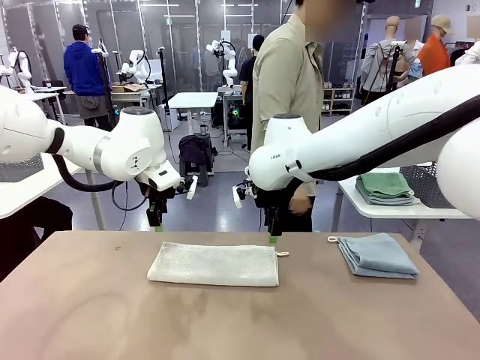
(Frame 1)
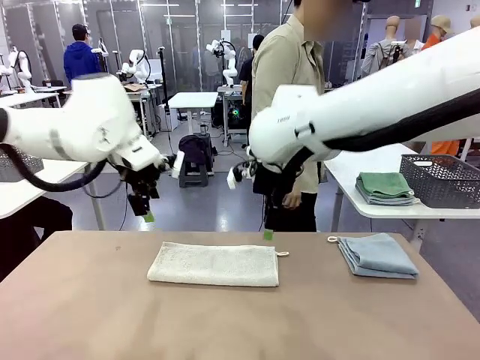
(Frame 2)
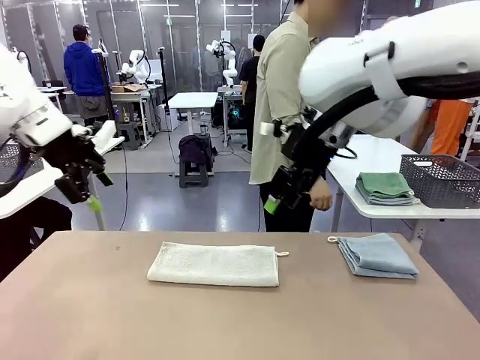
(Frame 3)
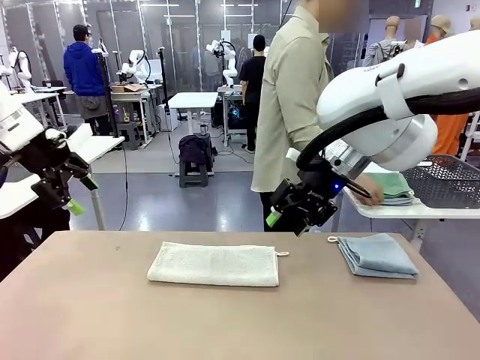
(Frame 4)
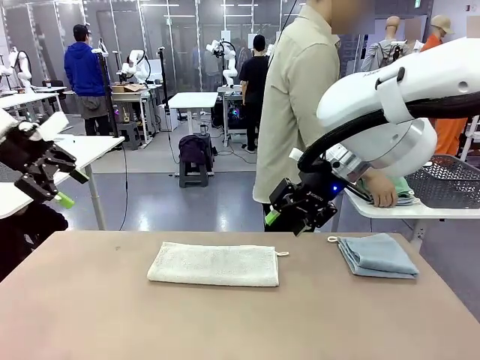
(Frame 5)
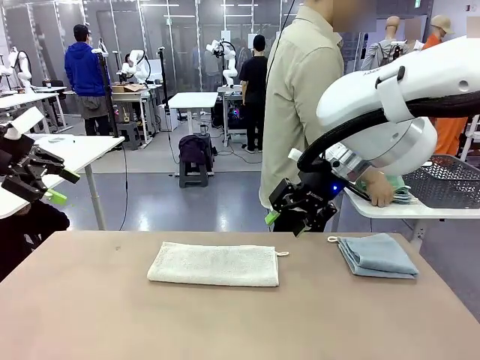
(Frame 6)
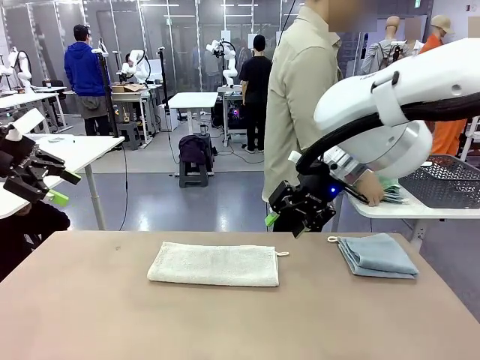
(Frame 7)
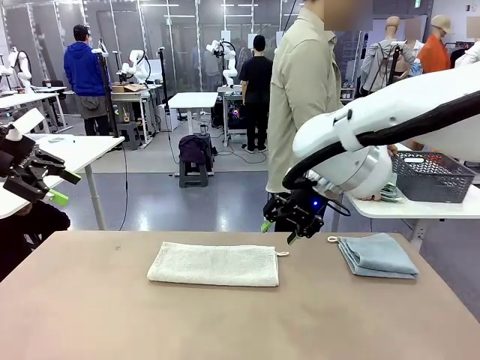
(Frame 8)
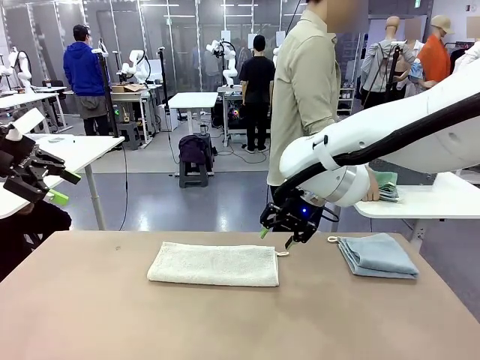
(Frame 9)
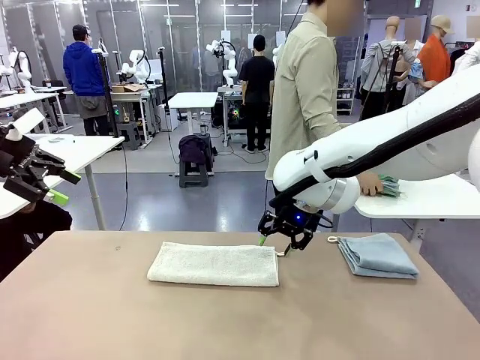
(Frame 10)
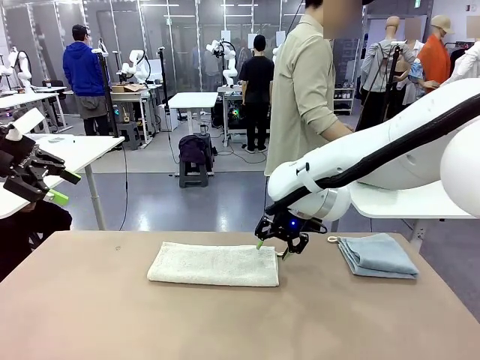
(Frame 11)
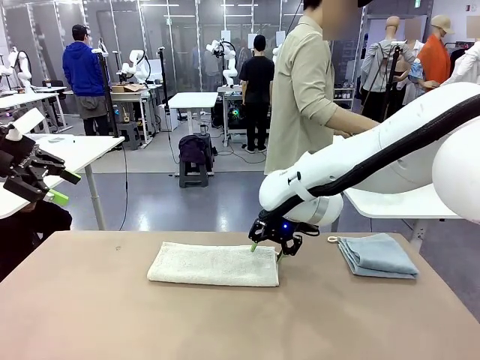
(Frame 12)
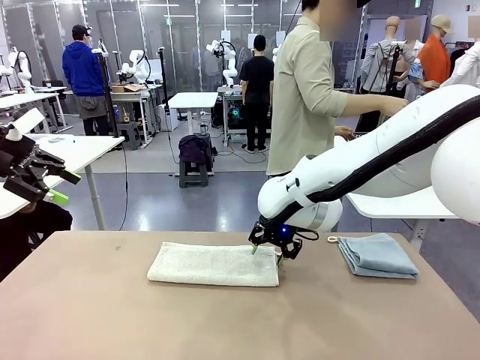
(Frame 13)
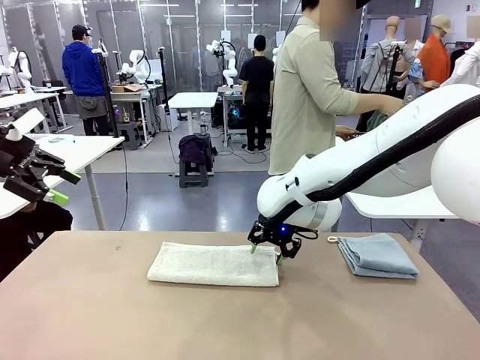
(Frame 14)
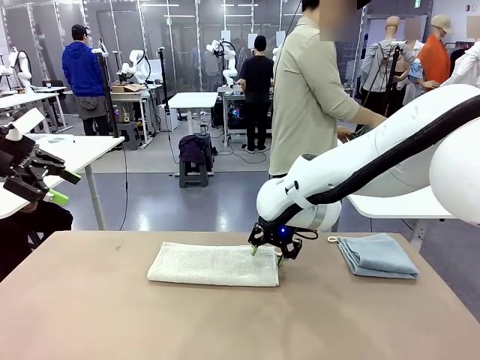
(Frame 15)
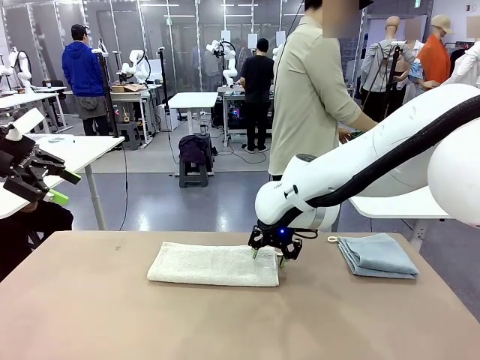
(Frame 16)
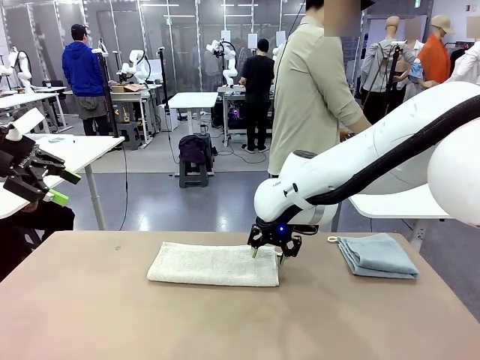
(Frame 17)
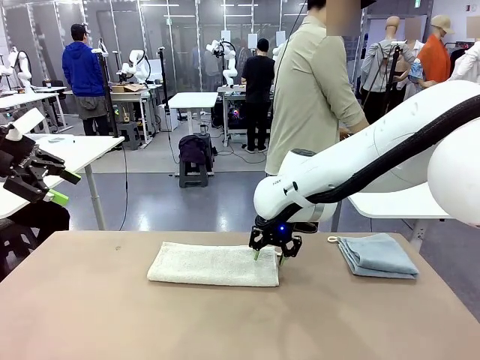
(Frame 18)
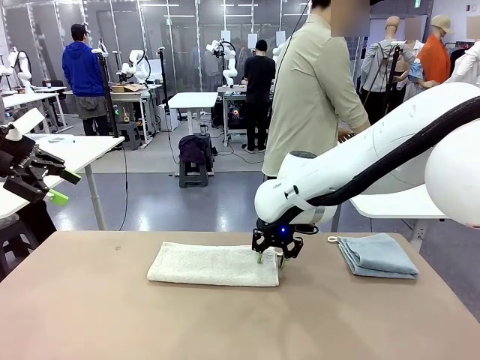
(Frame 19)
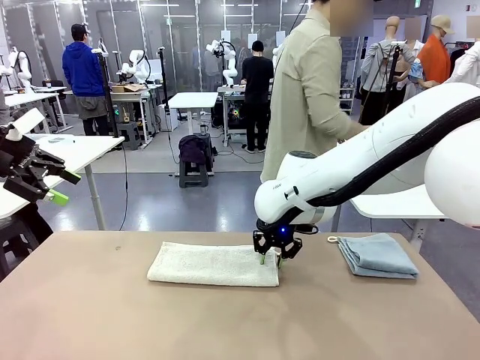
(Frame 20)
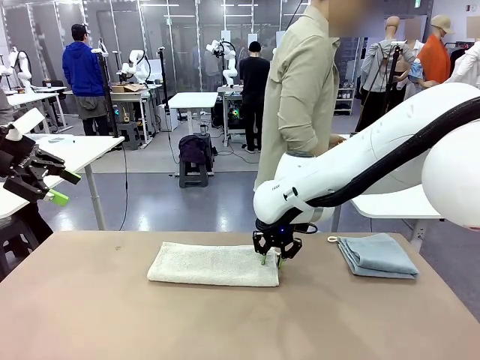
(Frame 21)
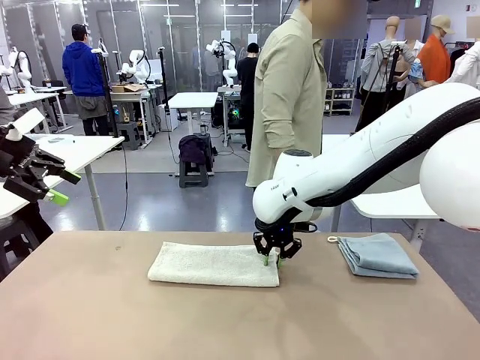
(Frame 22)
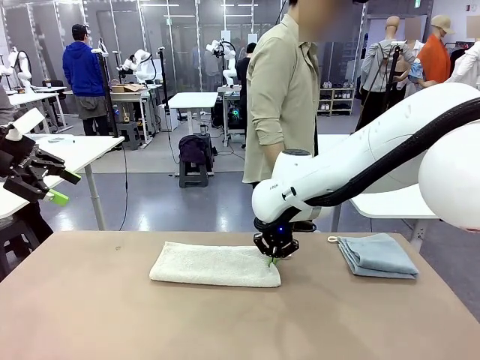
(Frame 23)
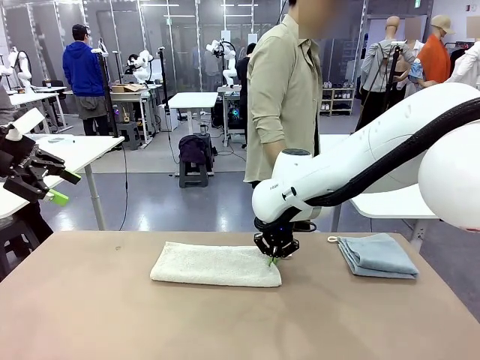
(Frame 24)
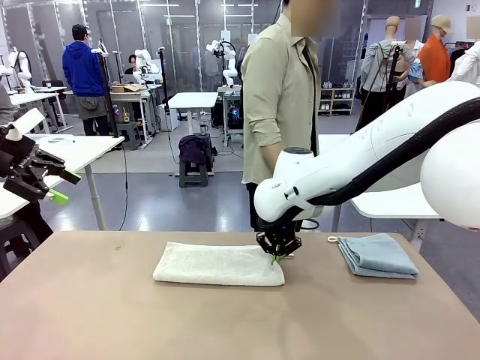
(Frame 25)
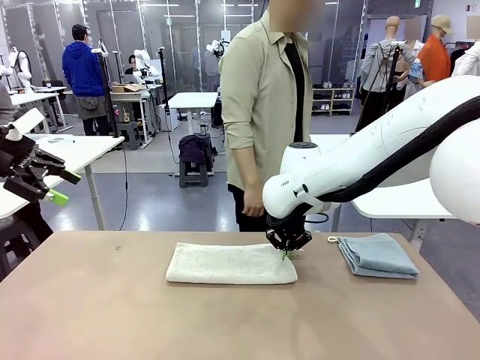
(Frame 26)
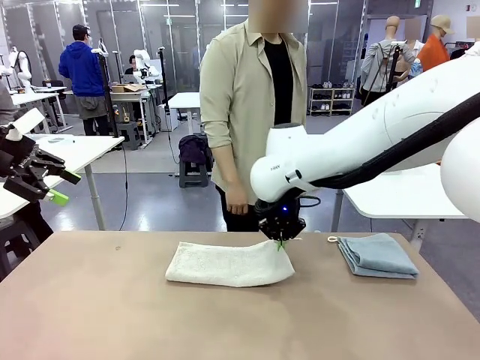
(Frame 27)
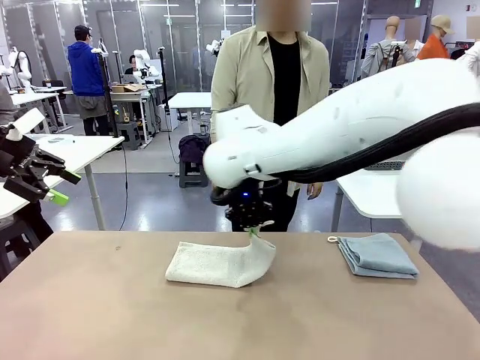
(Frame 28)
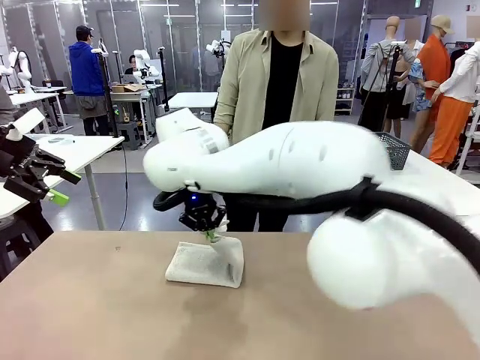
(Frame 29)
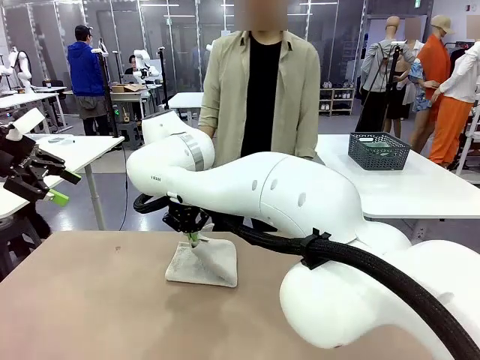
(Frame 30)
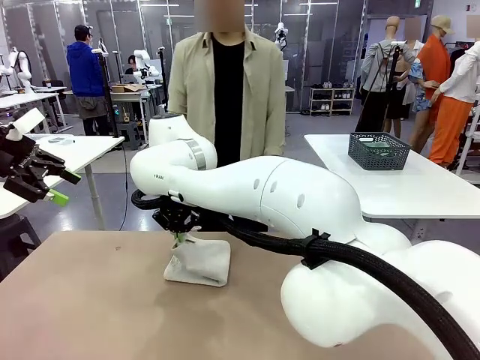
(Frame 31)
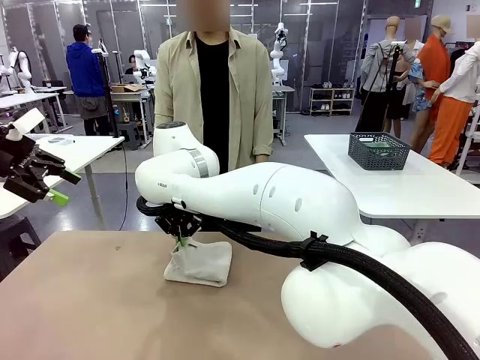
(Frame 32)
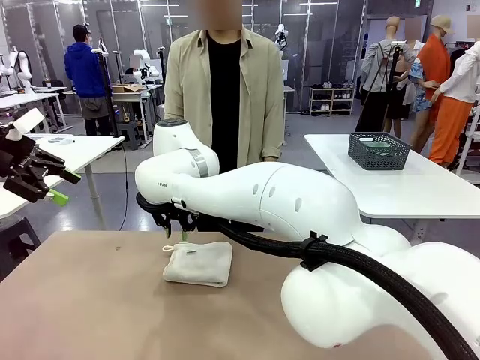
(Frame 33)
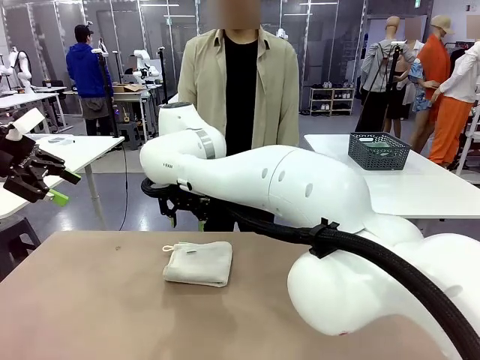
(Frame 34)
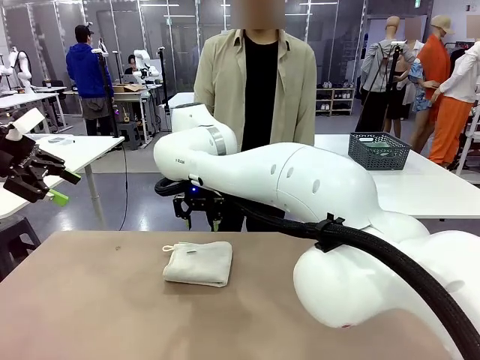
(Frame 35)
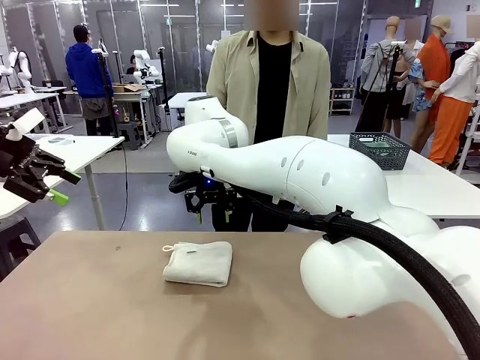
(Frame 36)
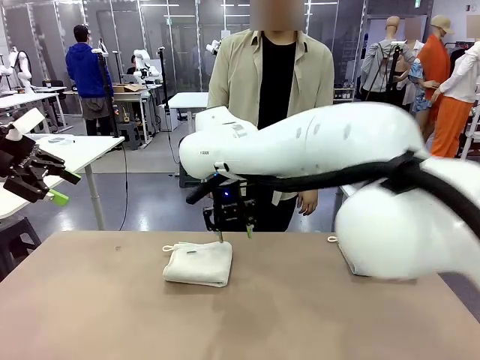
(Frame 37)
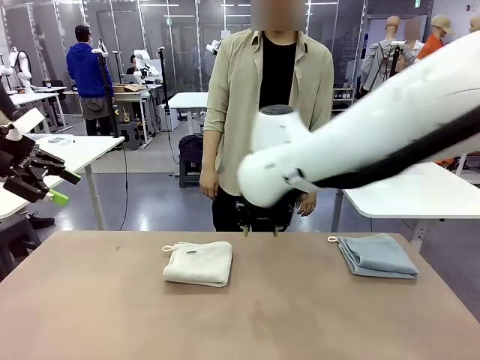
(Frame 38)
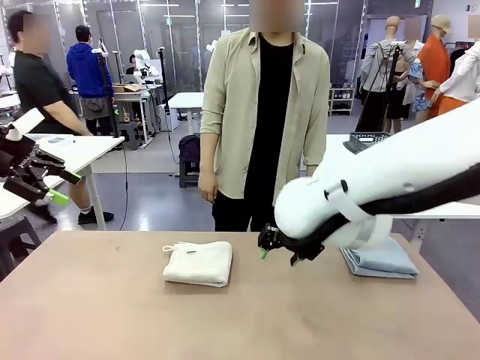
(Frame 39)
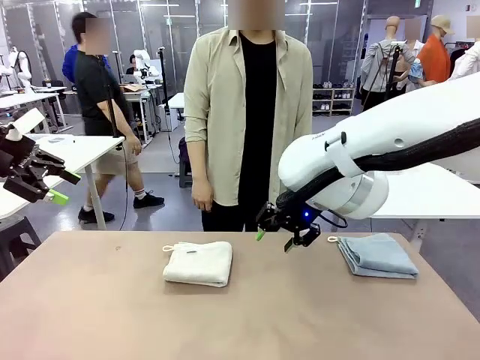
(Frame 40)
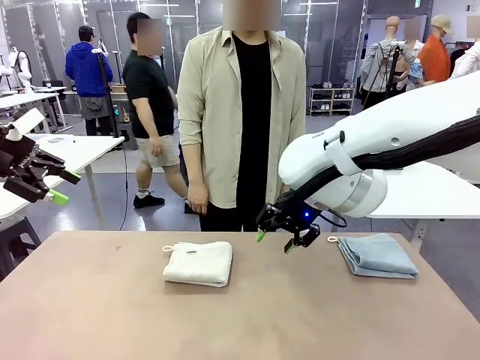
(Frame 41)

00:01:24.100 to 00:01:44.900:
Task: Fold the towels and place them in the basket.
Robot: When a person lays out a Towel with hook on the table, fold it in half twice.
Person: Pick up the stack of towels from the right side of the human table, place it into the basket, and put the basket at the center of the table.
